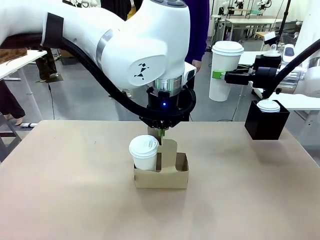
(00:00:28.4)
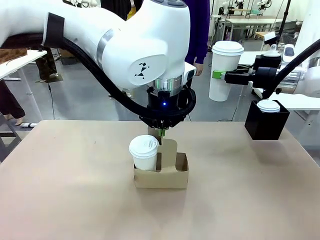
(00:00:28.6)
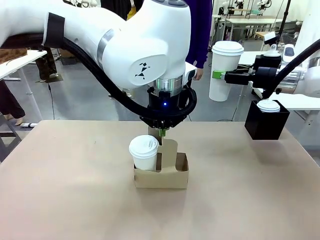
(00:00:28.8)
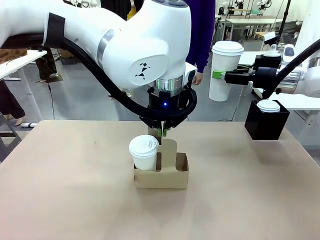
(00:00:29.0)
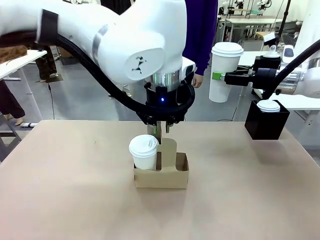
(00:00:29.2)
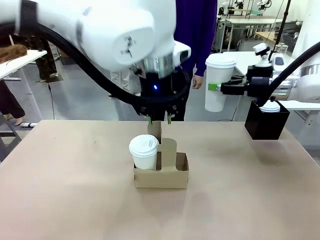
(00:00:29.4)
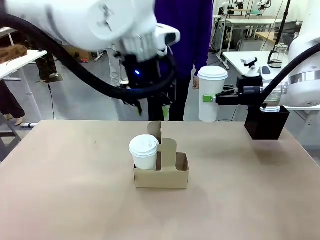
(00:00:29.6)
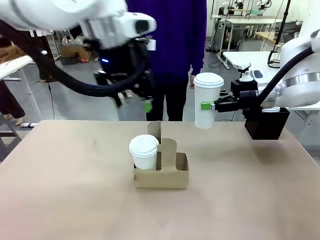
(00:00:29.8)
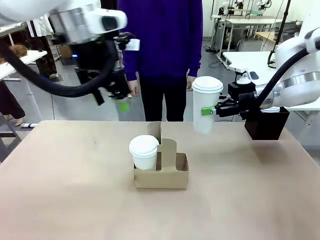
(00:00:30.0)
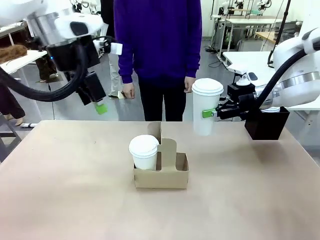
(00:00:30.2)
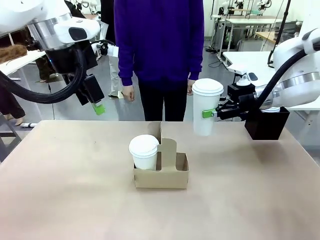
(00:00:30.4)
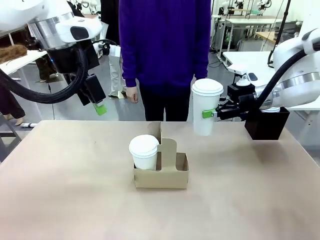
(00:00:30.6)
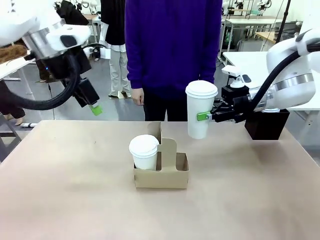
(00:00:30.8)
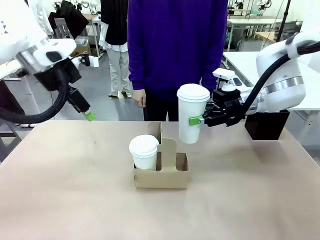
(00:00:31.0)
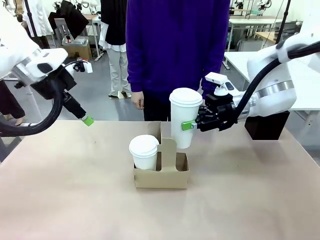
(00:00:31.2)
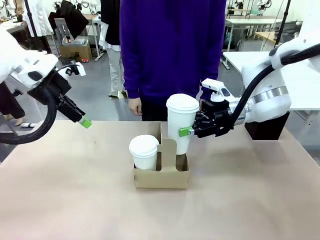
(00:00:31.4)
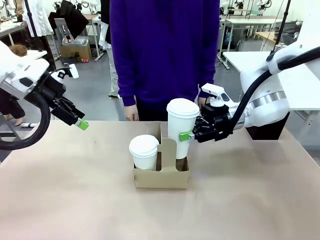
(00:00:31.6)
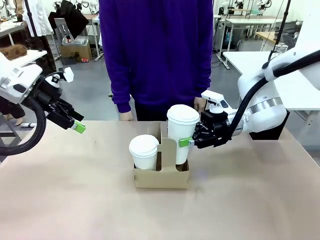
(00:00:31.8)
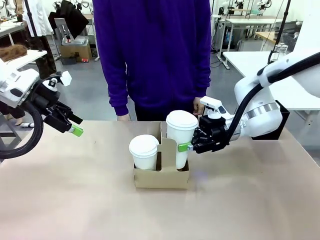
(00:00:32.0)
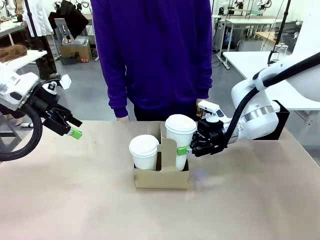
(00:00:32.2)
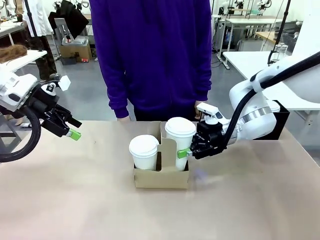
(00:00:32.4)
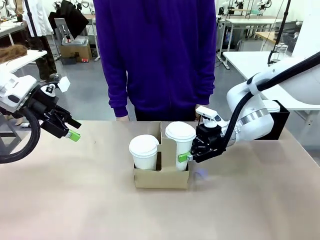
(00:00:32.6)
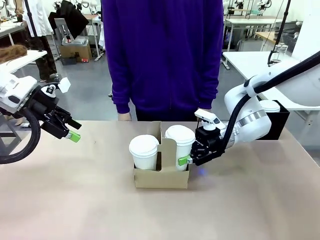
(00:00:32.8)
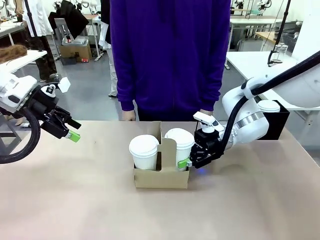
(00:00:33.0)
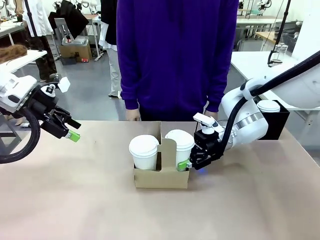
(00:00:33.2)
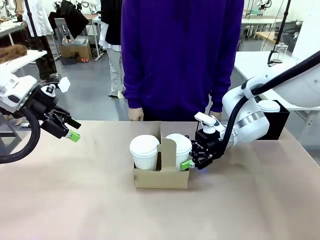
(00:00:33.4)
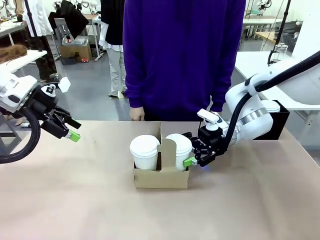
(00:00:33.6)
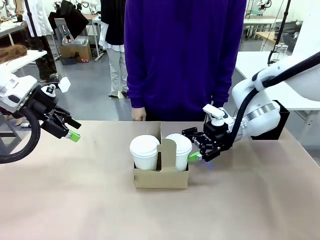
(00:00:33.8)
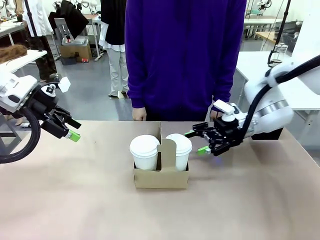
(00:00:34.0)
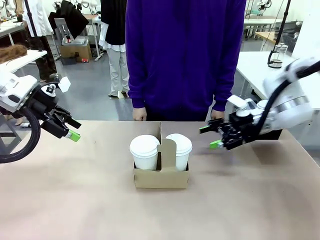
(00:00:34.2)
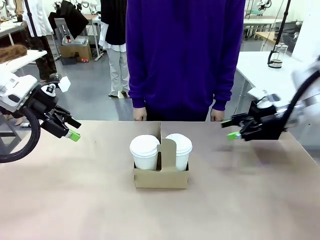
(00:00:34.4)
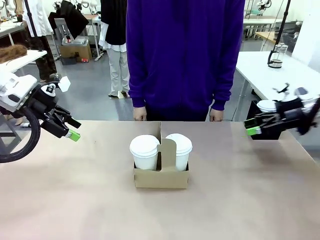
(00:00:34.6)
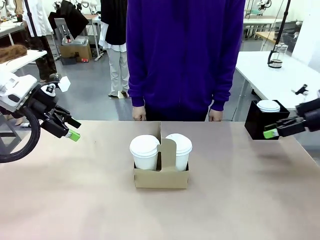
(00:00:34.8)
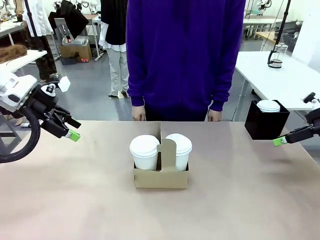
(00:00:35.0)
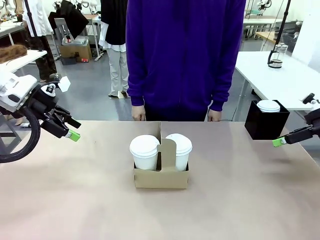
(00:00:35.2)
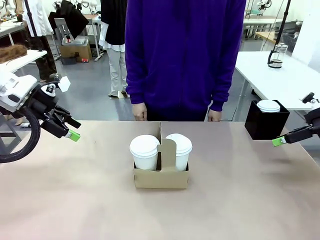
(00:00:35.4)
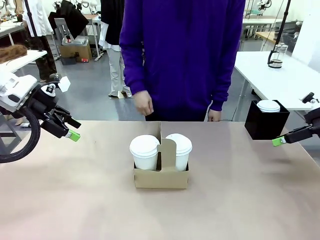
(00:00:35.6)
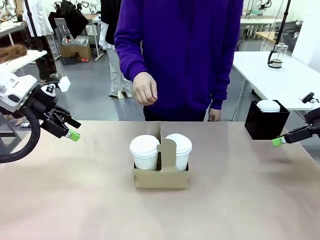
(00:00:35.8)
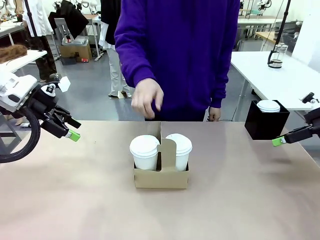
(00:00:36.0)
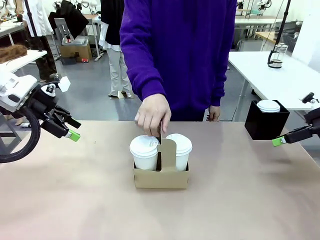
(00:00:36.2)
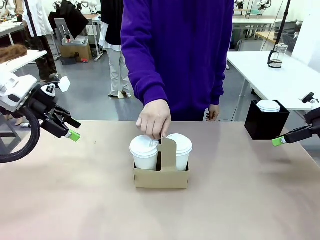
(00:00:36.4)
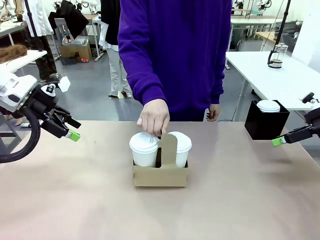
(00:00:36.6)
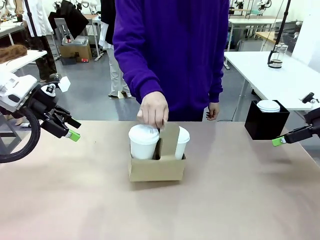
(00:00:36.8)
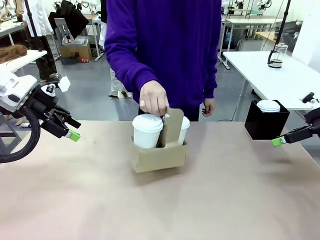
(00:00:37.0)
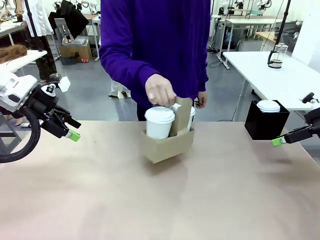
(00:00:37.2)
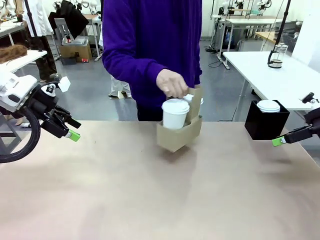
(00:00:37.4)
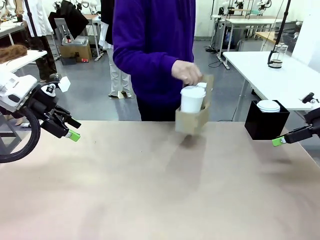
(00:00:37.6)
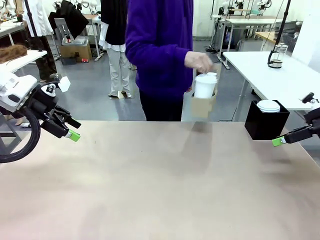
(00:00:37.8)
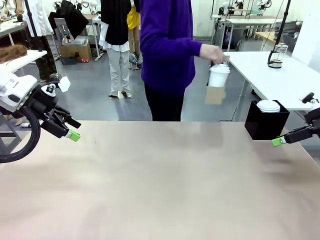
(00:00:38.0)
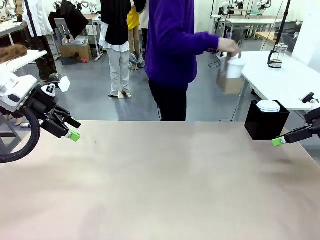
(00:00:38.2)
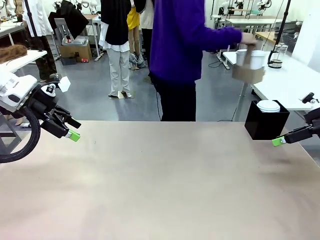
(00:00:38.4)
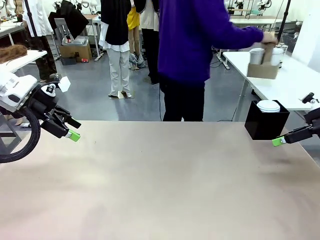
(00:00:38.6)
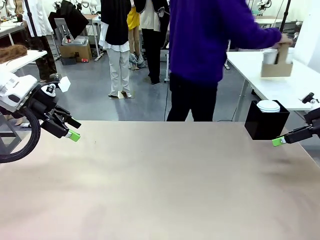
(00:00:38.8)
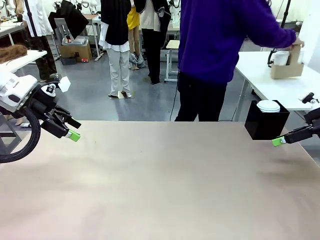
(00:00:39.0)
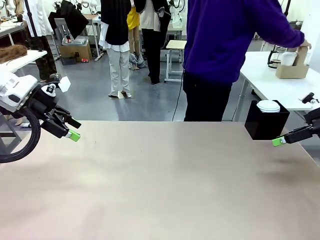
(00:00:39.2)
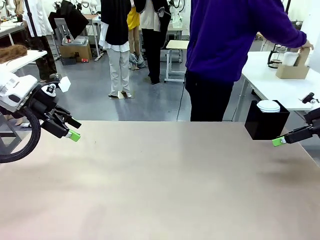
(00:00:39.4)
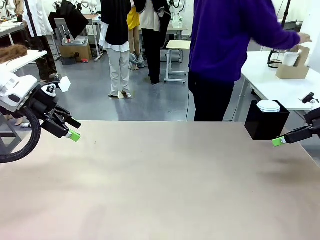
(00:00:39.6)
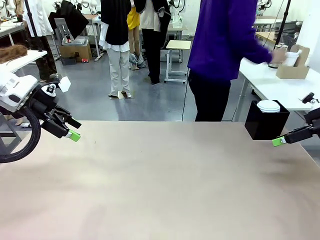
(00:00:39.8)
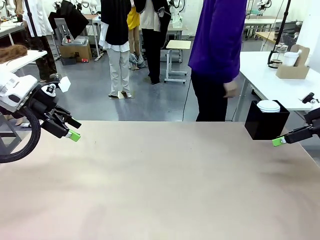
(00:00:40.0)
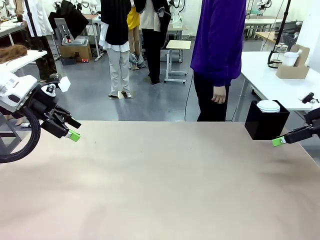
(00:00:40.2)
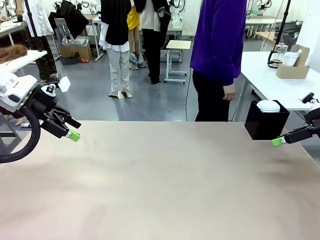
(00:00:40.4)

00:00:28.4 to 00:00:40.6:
Task: Pour a drink into a cup and package it in a carrier.
Robot: Insert the held 600 ml Paper Cup into the Cup Carrier.
Person: Place the Cup Carrier to the middle of Human table.
